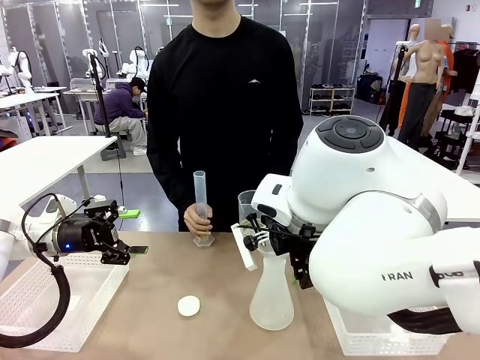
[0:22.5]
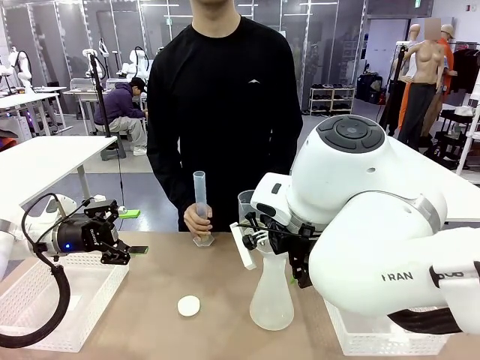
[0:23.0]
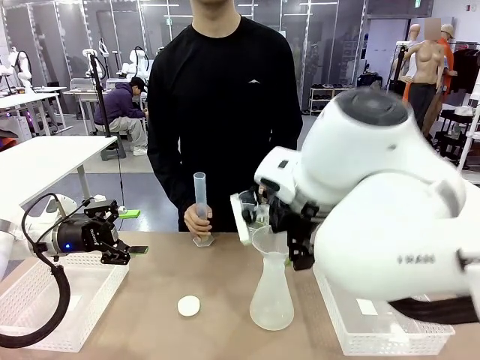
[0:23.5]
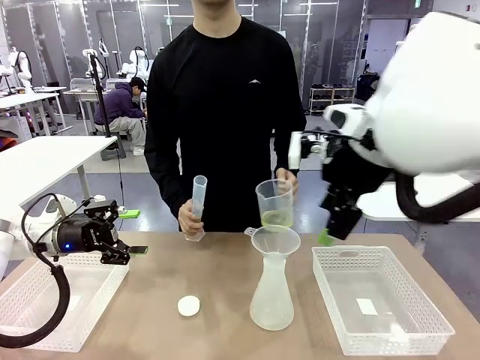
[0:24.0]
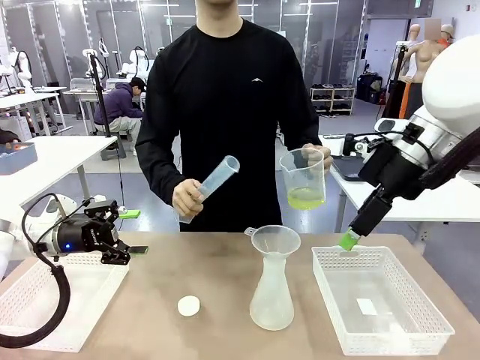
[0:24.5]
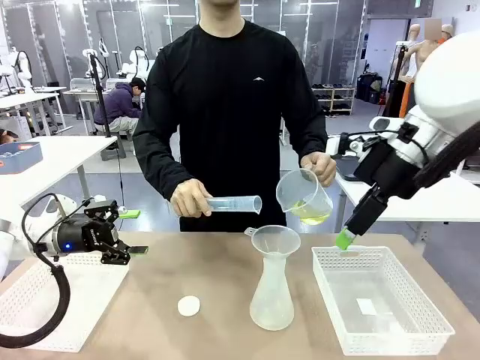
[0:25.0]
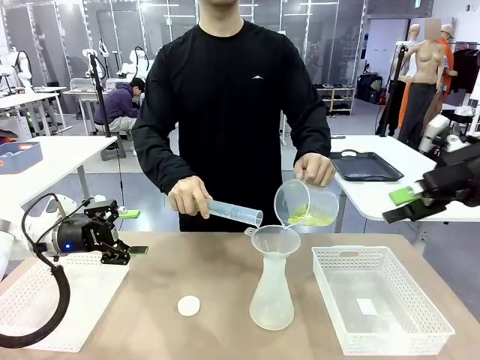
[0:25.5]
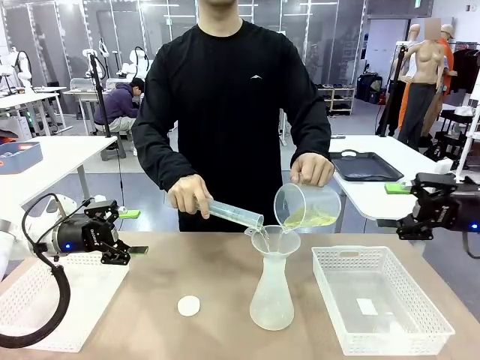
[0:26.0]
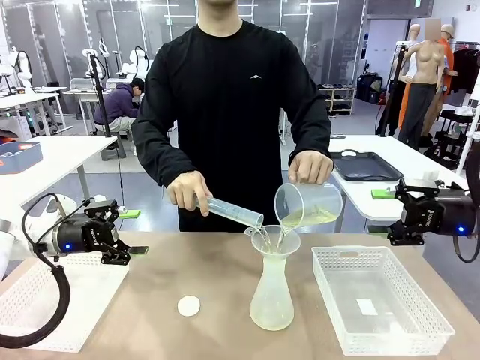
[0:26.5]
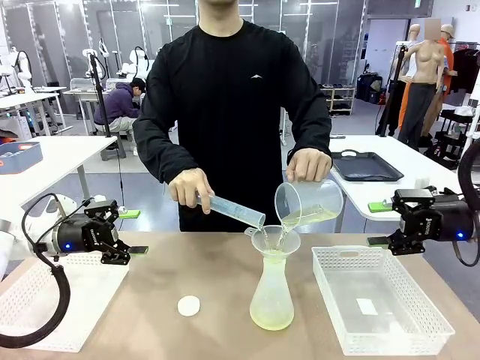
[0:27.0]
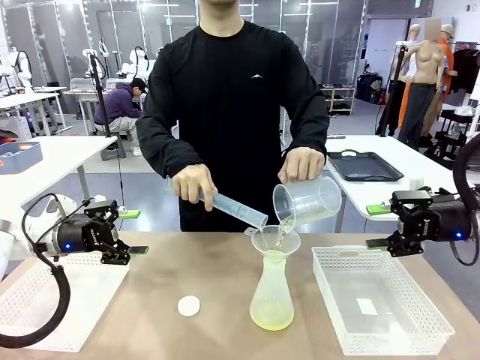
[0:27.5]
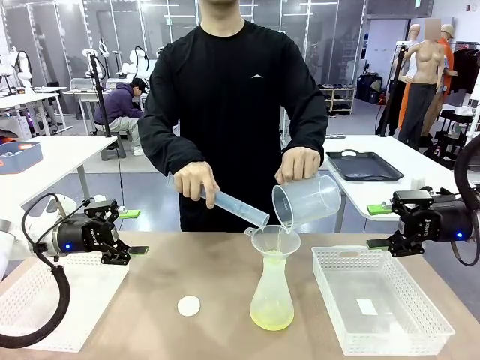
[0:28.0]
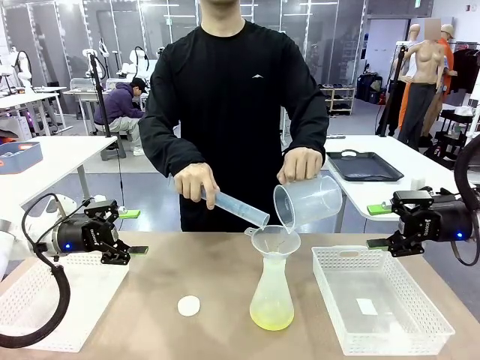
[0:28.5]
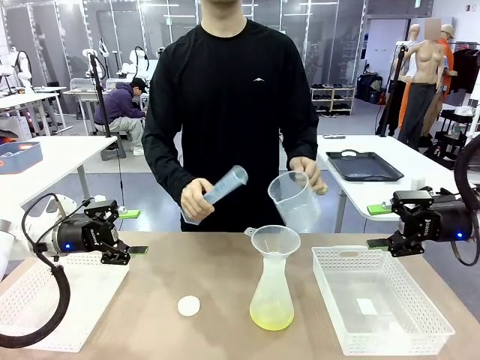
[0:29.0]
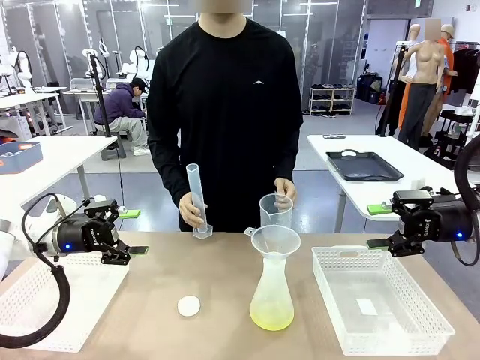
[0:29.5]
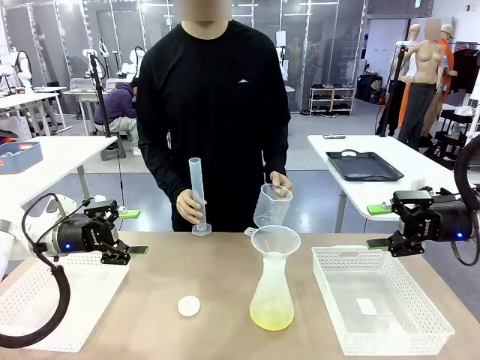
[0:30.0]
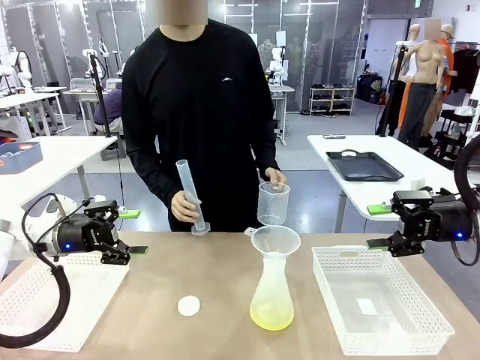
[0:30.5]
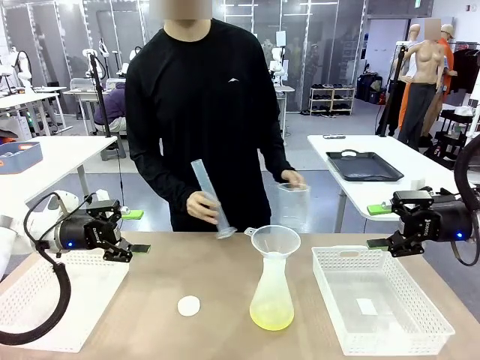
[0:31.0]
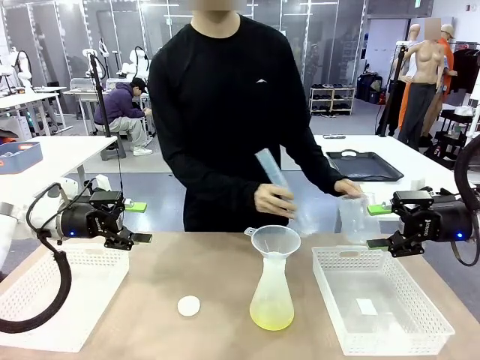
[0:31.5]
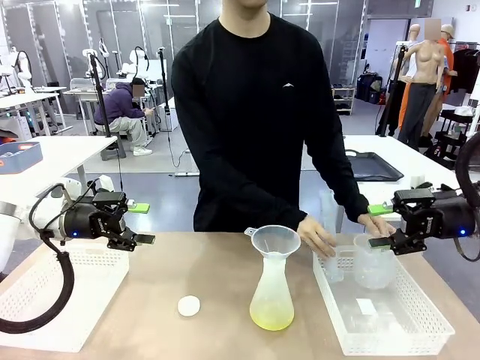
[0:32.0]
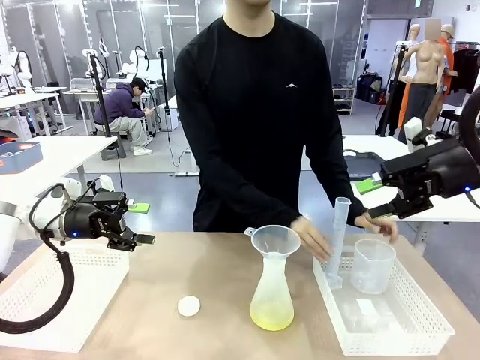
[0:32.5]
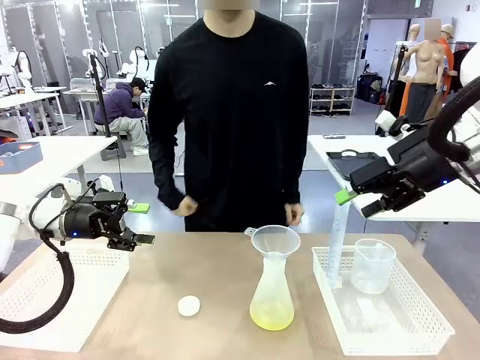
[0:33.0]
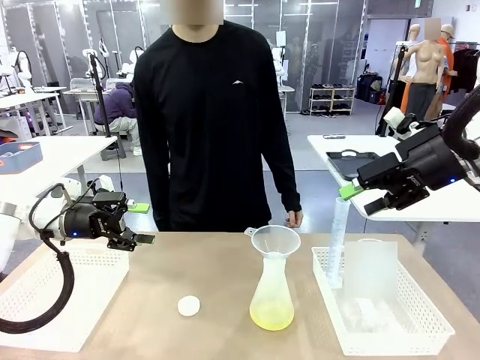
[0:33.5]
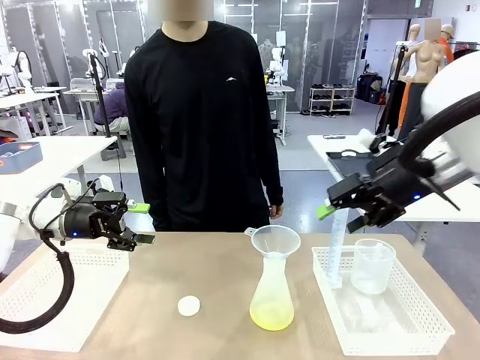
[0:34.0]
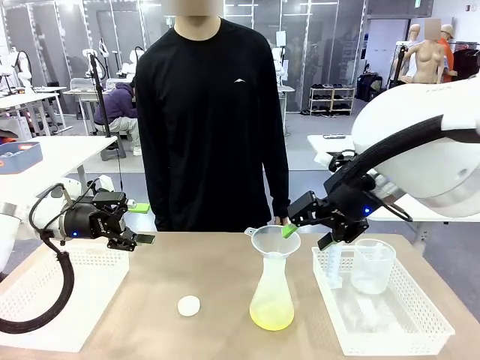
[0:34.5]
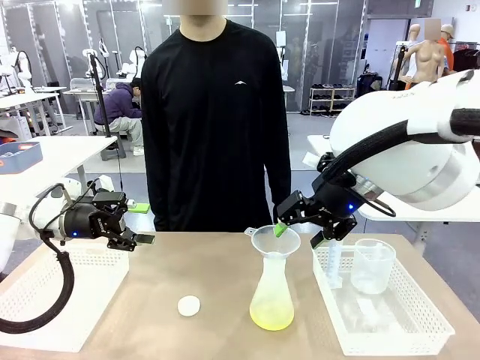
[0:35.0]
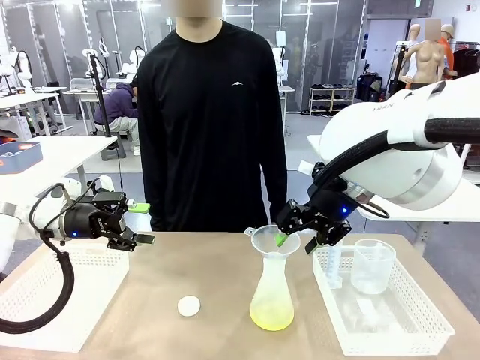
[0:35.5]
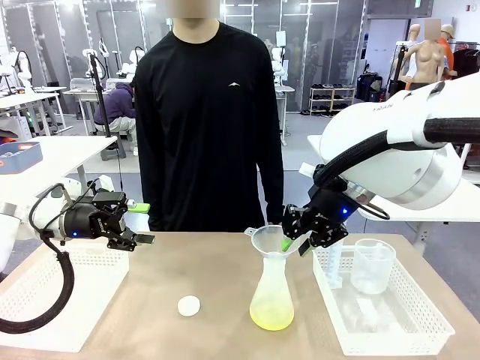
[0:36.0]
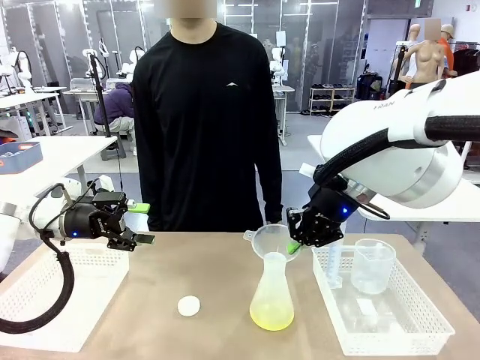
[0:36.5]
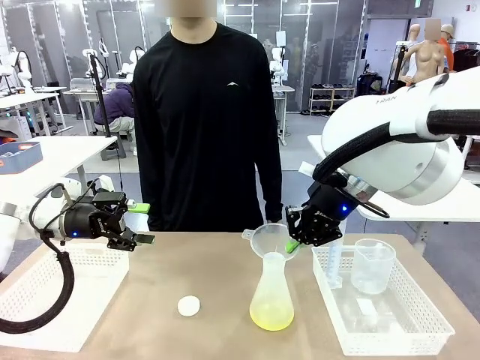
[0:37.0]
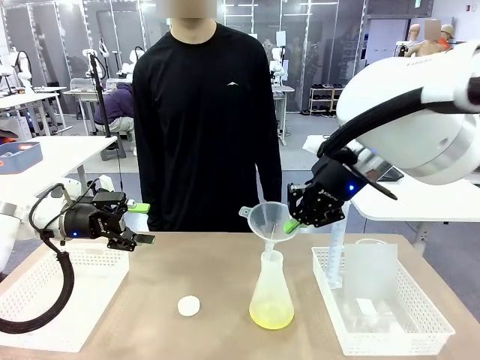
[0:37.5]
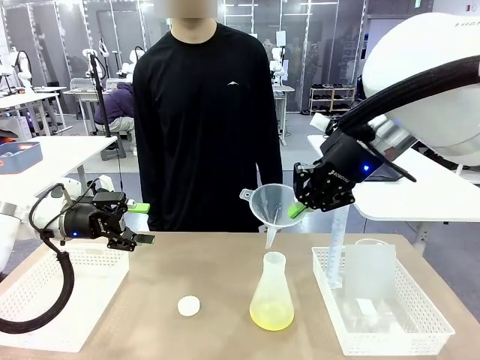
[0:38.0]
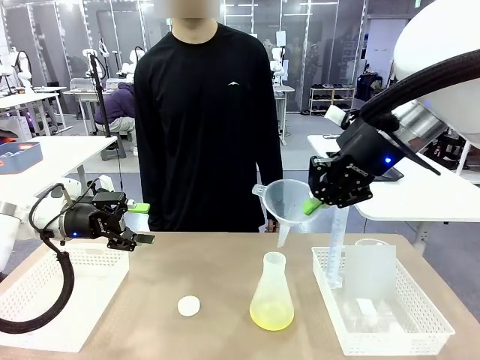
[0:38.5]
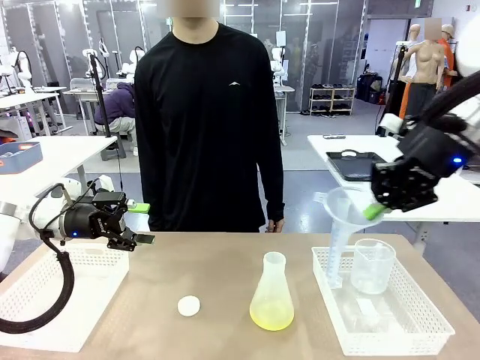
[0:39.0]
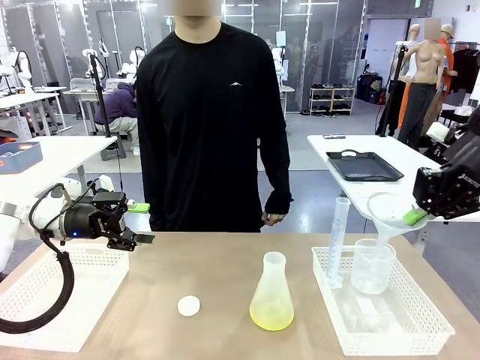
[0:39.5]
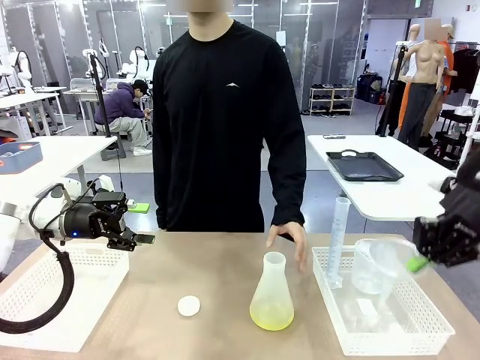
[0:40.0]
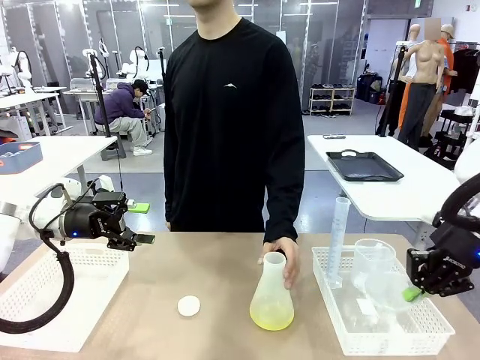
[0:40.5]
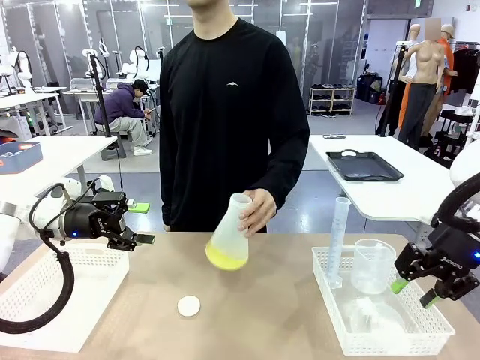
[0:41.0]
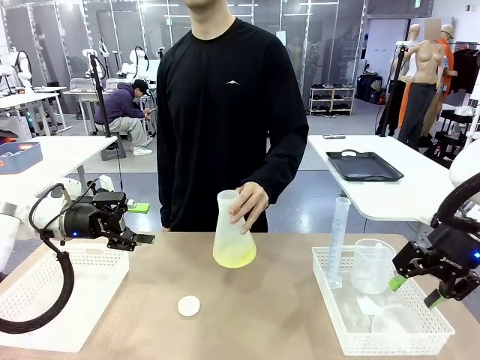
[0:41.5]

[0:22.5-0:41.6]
Task: Prepare the solutions needed for the experiment.
Robot: Once the solution is in the Big flask , pick up the Plastic Funnel and place it back into the right Organizing basket.
Person: Place the beaker and the cylinder into the organizing basket on the left side. Pick up the flask, gently shake it 2–3 times, place it in the middle of the robot table, and close the lid.
